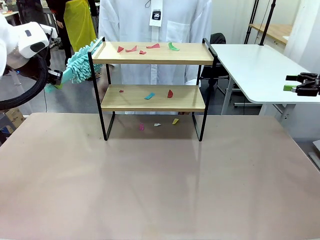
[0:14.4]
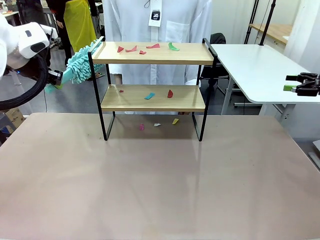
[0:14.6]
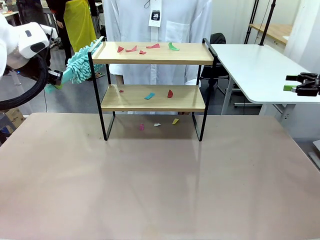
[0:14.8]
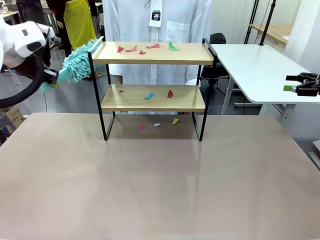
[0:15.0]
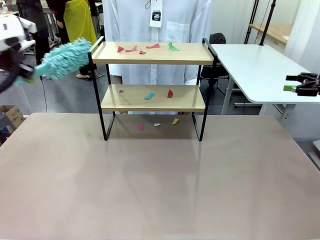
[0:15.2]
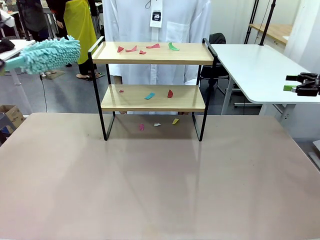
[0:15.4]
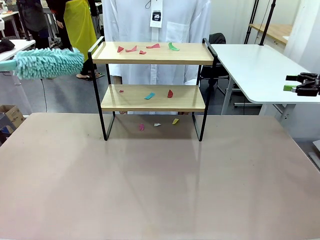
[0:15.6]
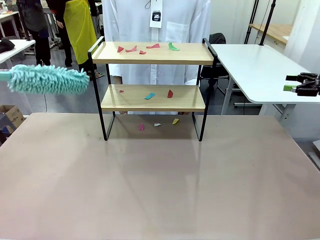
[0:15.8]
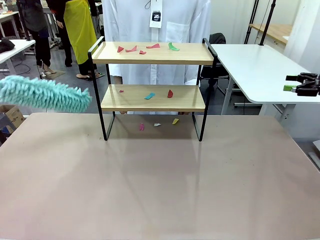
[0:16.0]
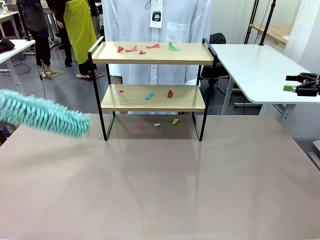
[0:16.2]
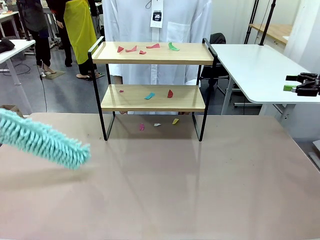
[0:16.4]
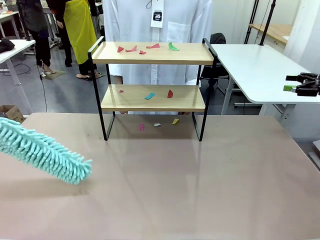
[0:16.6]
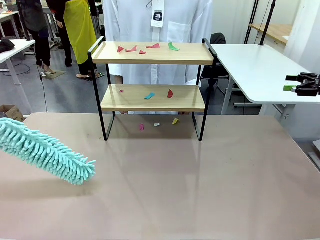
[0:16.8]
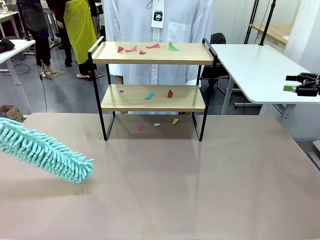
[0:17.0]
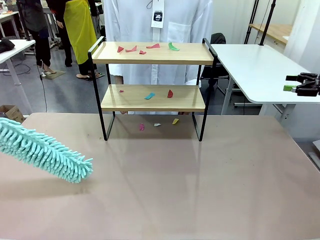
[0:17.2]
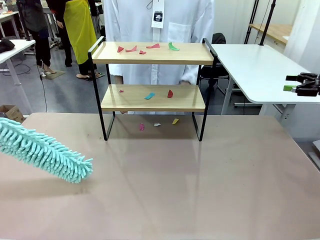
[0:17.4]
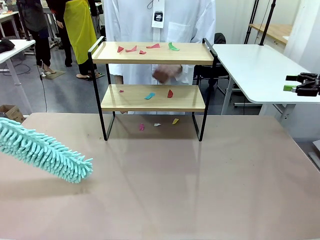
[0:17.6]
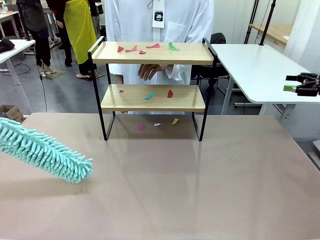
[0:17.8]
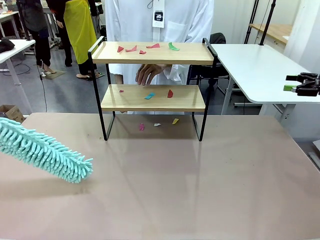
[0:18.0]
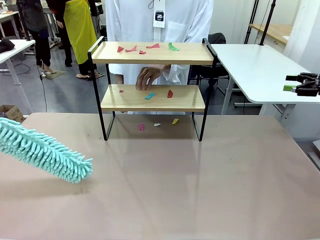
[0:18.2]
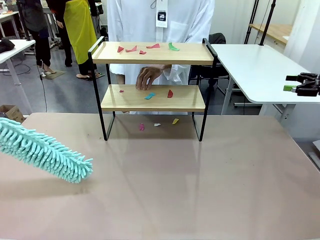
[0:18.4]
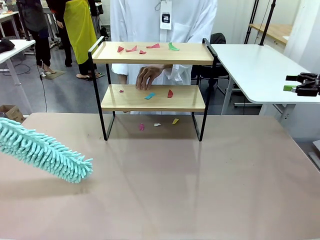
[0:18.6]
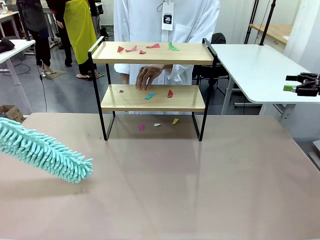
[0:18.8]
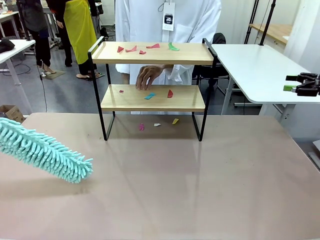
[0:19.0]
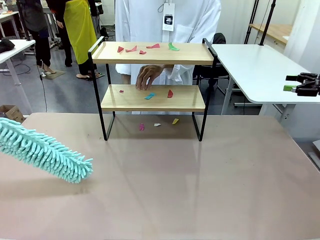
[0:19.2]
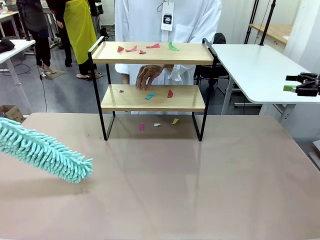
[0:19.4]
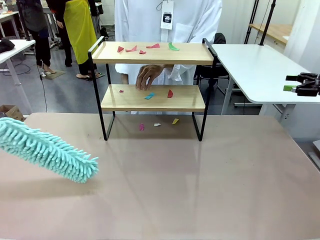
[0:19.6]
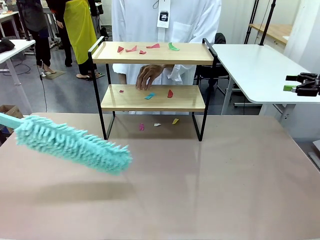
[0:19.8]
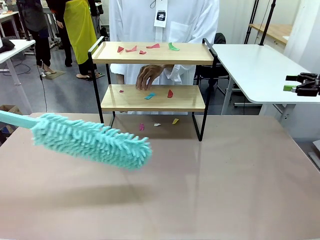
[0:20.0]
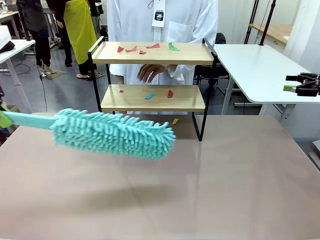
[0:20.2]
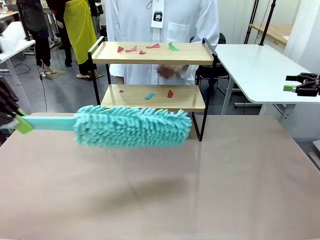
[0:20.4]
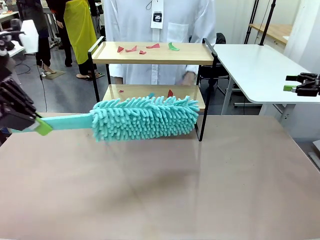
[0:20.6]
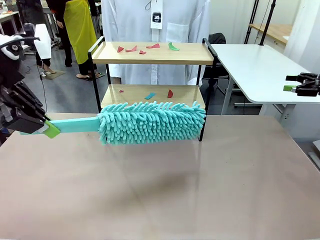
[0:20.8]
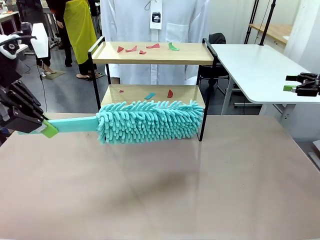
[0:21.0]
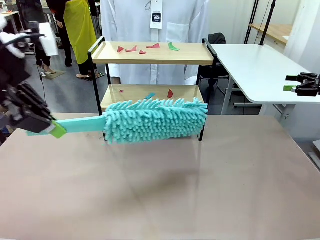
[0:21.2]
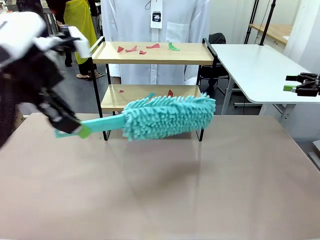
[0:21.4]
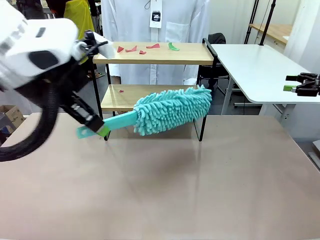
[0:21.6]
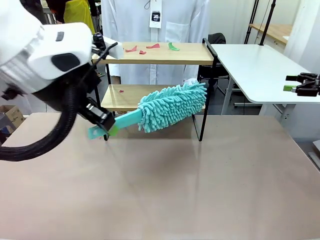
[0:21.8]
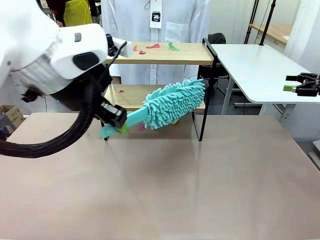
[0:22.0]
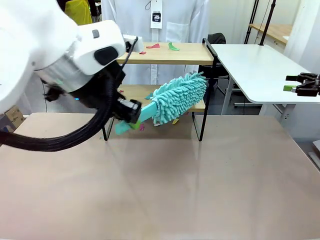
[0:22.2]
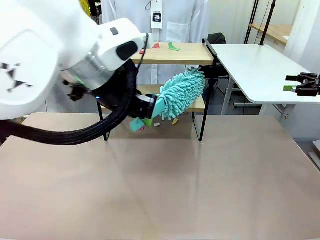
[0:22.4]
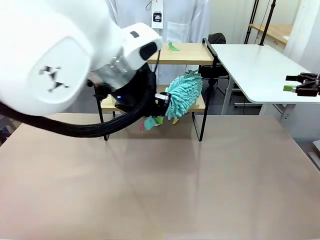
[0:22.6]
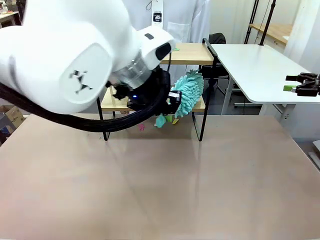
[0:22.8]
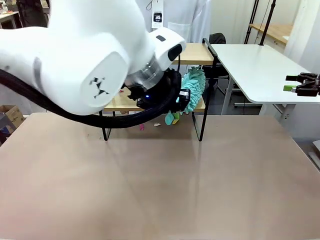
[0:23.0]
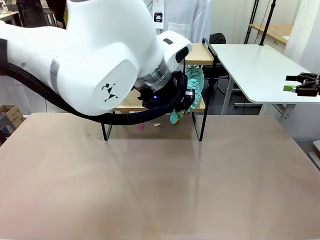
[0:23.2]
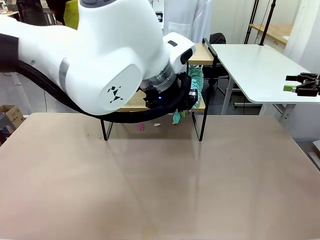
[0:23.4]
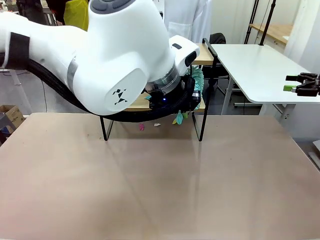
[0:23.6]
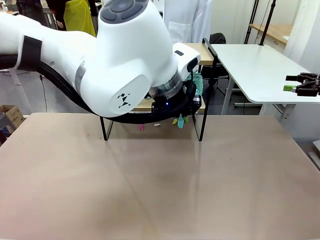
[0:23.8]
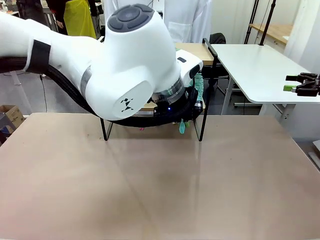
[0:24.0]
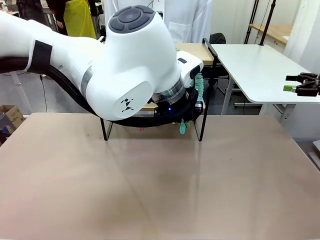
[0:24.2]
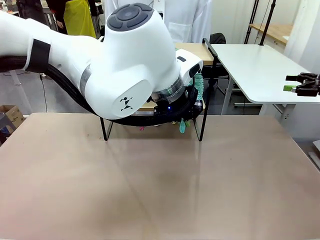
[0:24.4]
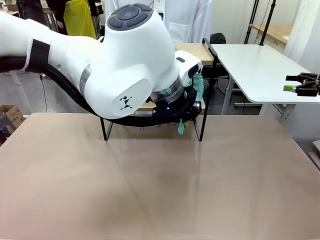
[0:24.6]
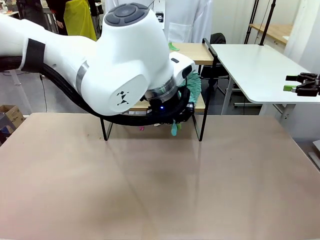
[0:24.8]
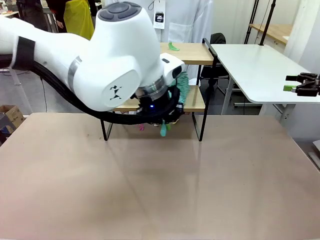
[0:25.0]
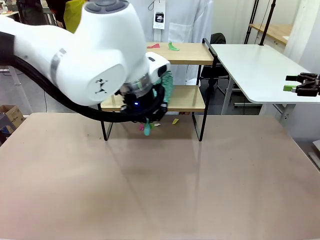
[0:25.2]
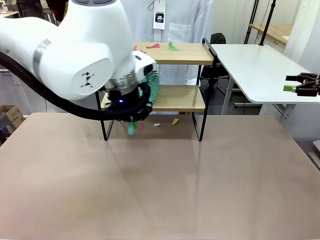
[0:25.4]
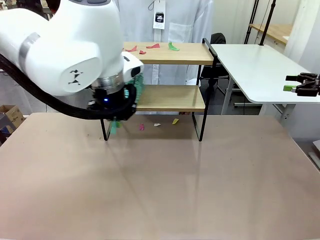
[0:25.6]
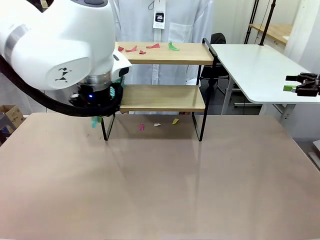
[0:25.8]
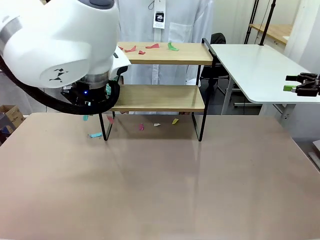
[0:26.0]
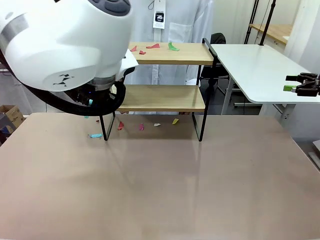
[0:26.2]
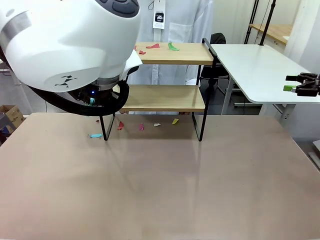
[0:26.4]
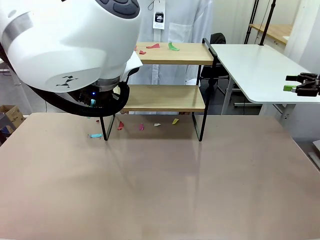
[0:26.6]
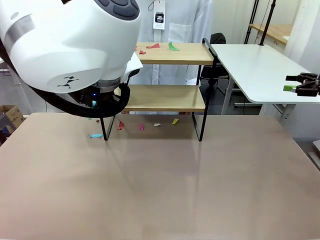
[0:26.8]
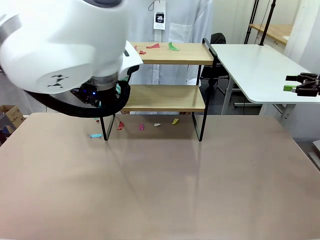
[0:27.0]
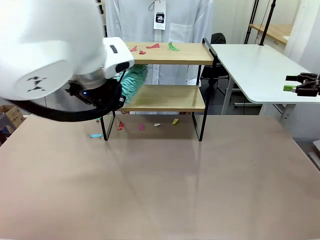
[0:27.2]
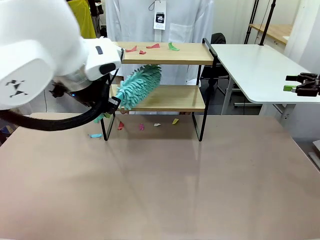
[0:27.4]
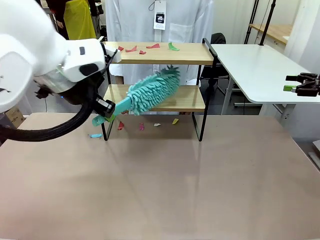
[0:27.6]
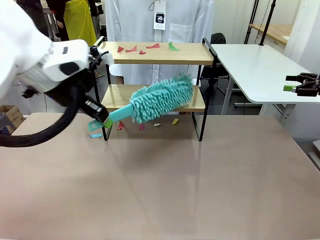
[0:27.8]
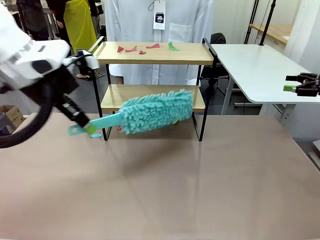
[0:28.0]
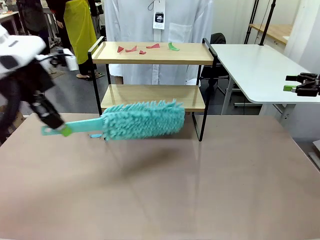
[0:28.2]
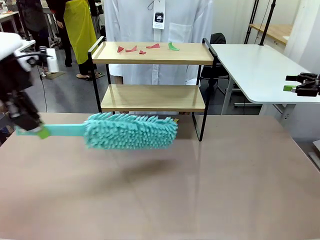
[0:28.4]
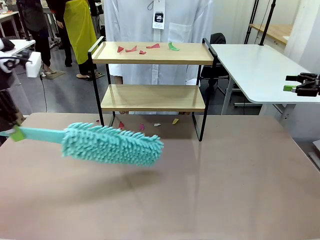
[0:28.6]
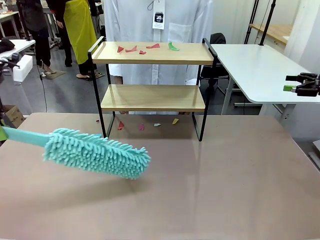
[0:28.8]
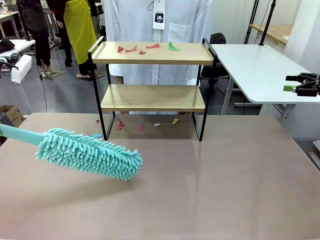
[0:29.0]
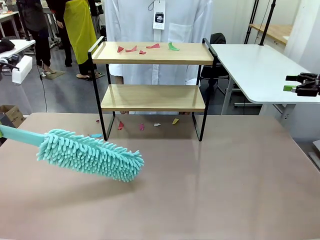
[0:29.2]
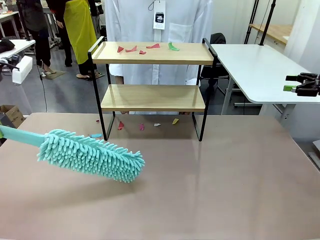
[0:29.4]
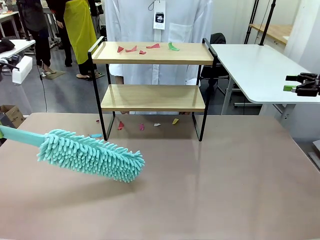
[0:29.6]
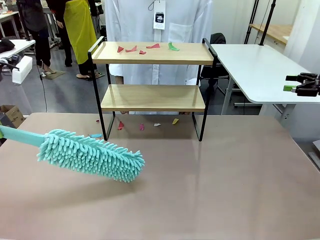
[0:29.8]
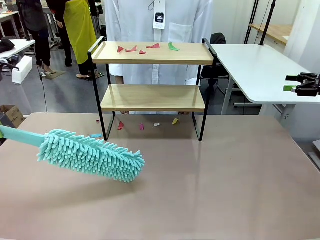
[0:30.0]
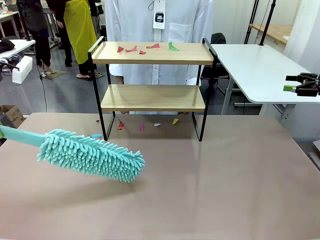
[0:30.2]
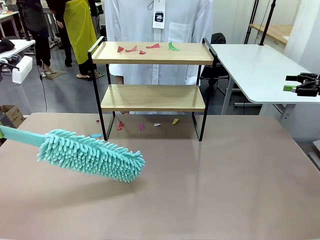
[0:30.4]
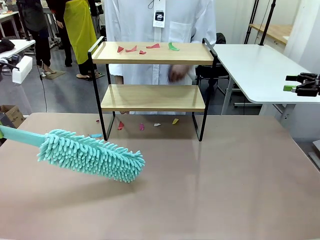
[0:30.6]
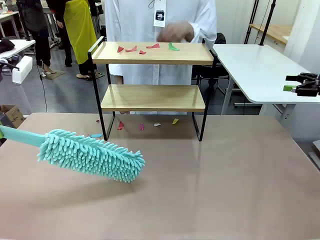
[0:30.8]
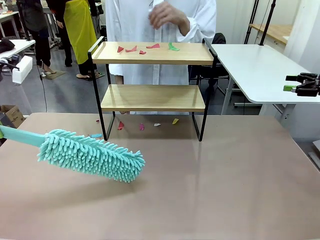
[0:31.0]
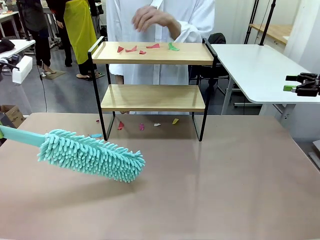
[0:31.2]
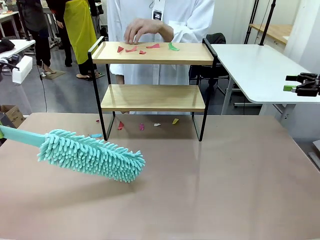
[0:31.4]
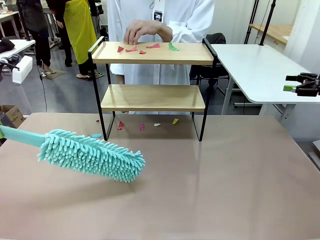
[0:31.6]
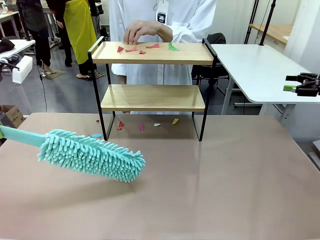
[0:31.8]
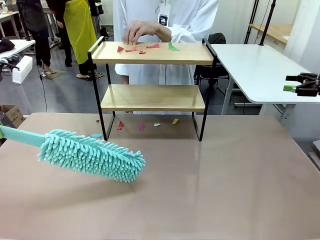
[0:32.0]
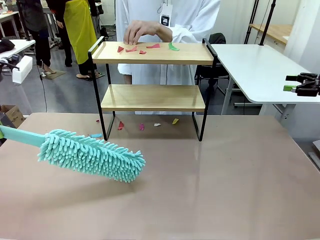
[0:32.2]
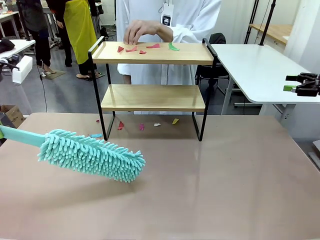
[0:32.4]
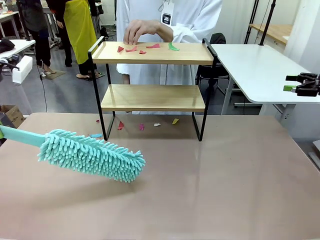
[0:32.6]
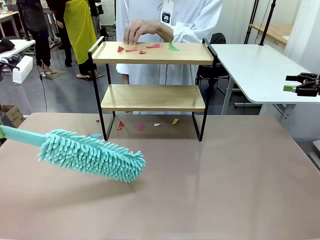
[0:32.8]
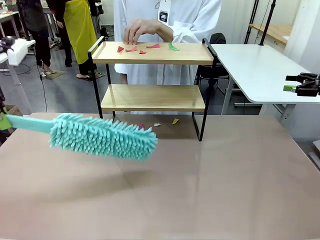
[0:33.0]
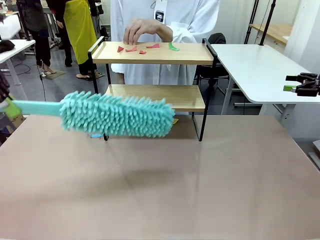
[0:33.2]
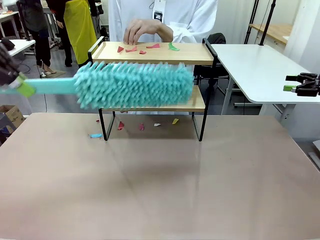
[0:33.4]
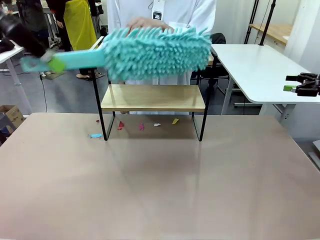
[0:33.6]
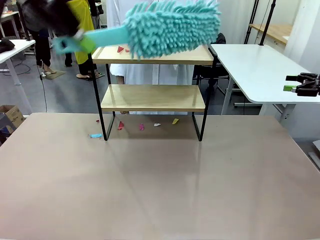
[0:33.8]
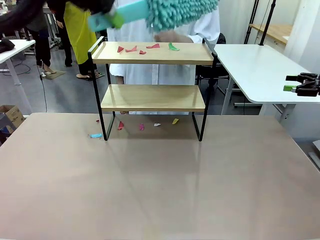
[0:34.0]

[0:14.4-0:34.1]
Task: Clean the shelf.
Robot: Clean the specific section of the Shelf indicated by the human with the Duster.
Person: Point a random section of the Shelf.
